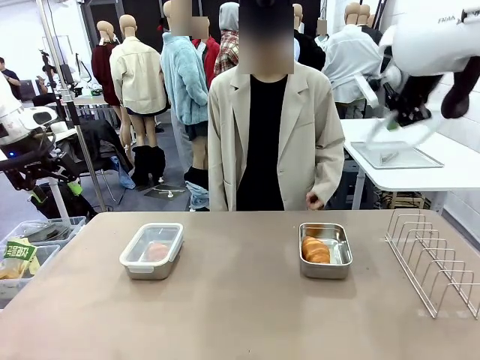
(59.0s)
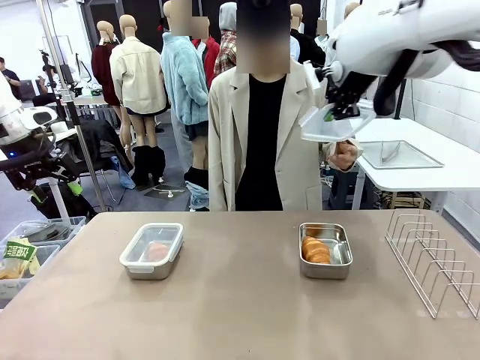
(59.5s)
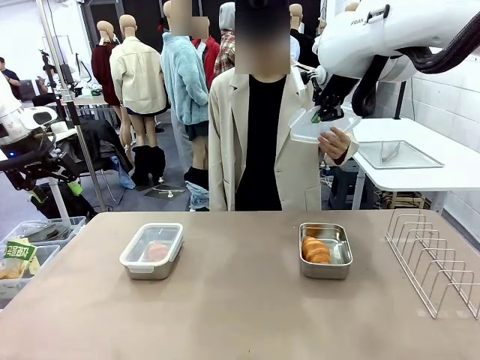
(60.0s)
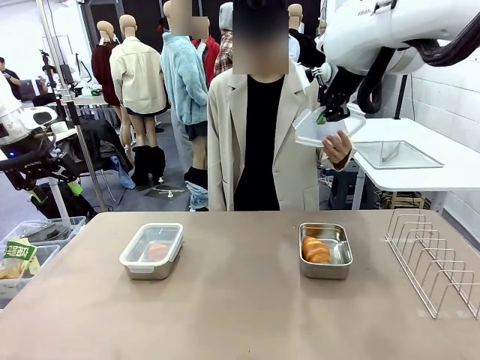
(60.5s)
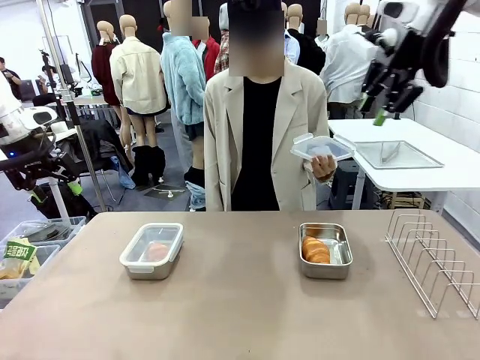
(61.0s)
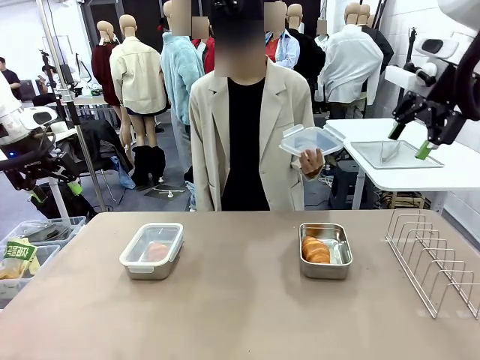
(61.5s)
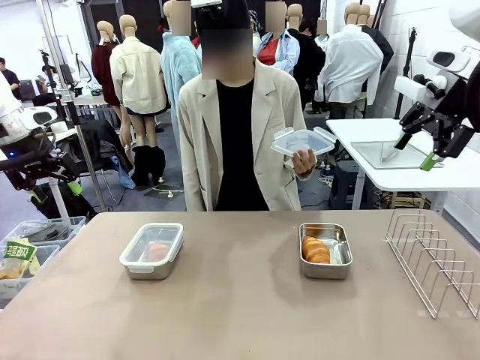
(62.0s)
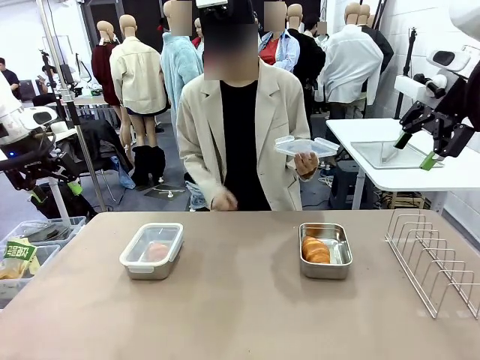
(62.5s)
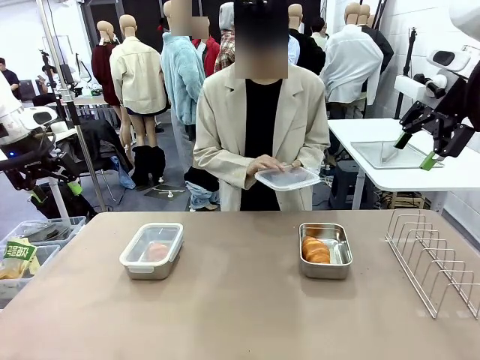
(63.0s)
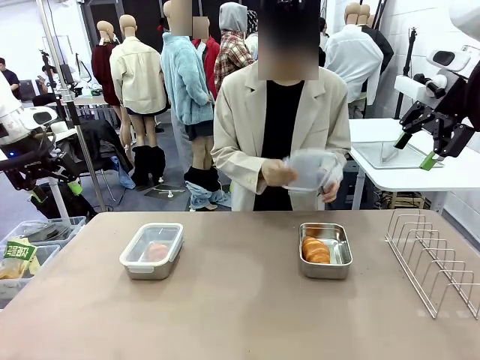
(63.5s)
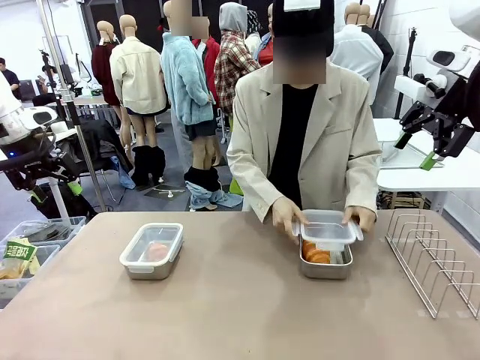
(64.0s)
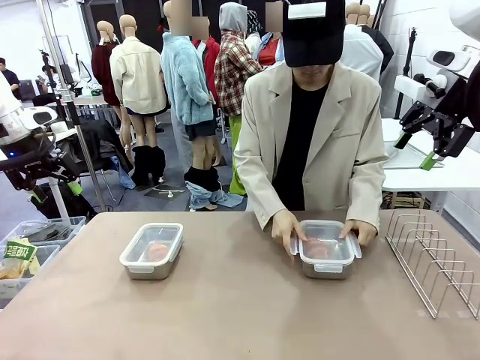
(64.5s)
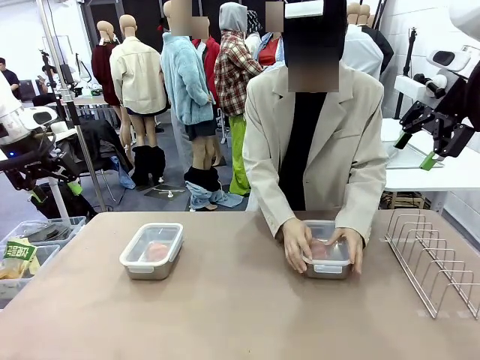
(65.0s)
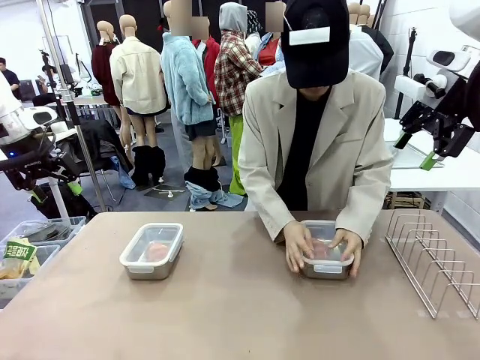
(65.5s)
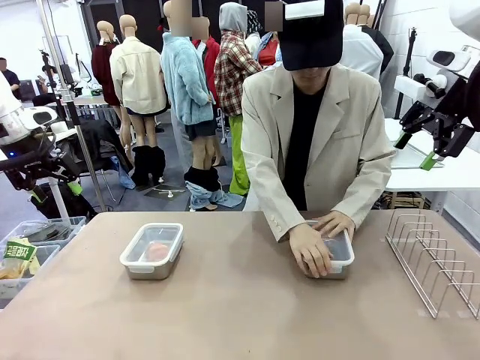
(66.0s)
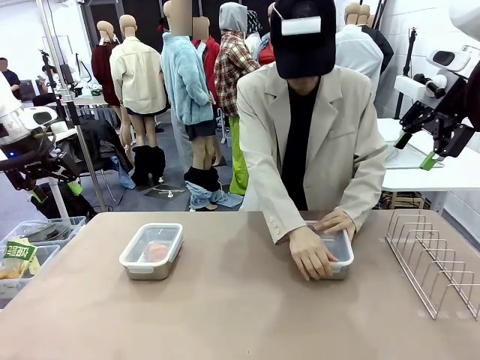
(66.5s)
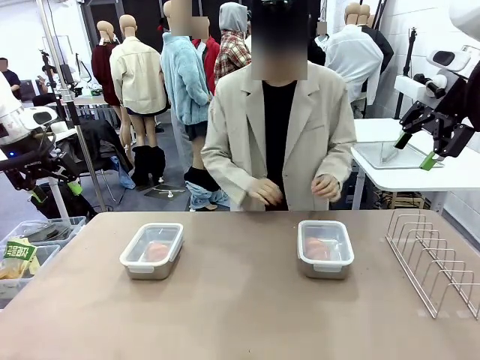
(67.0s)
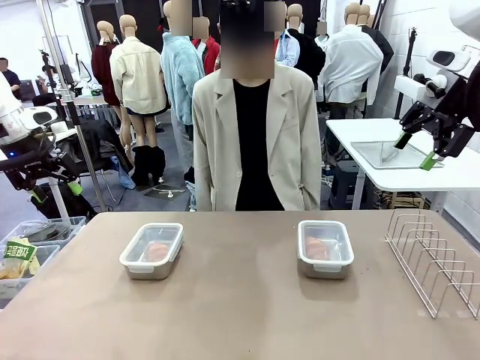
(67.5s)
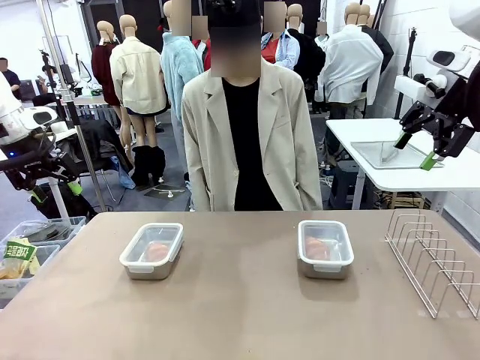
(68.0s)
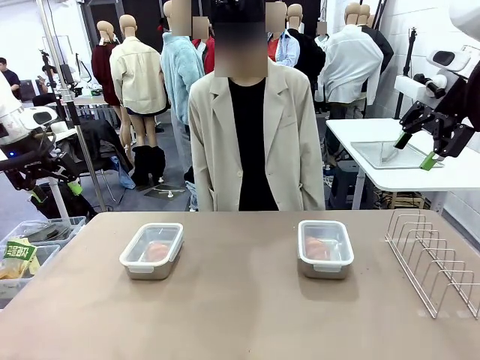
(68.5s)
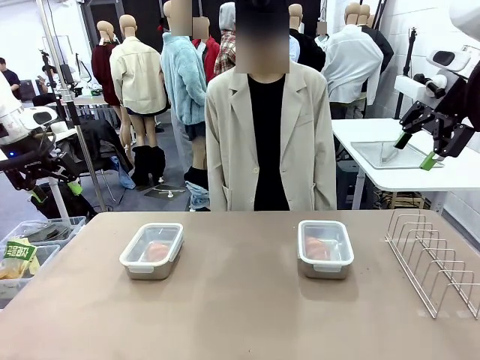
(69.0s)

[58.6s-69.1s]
Task: Place the bread in airtight containers.
Robot: Release when the human grabs the Airtight Container lid.
Person: Grip Airtight Container lid that robot is handing. Close Airtight Container with a handed Airtight Container lid.

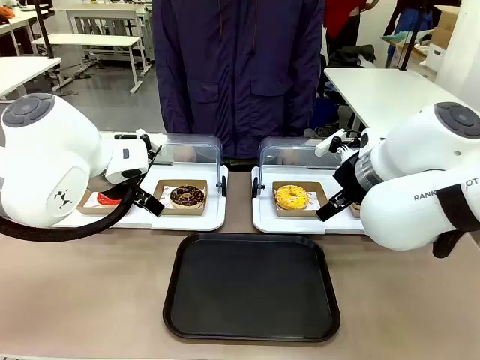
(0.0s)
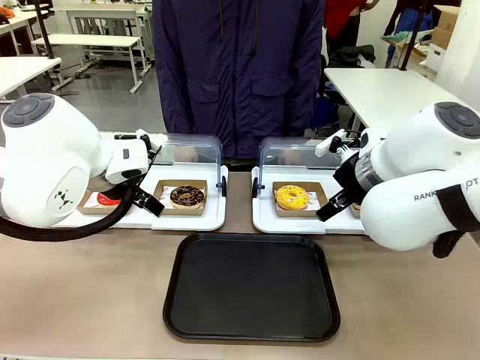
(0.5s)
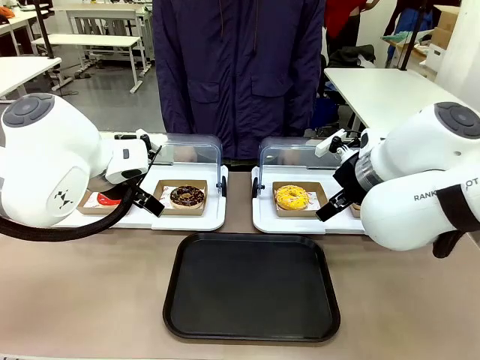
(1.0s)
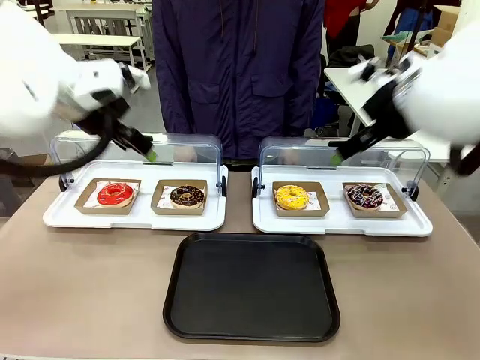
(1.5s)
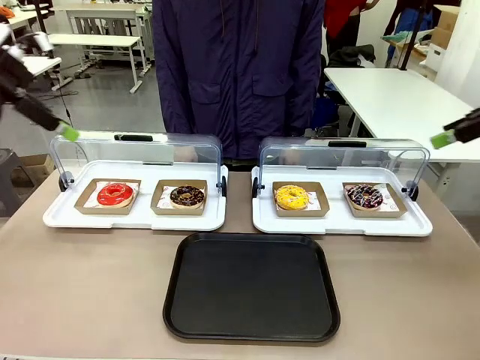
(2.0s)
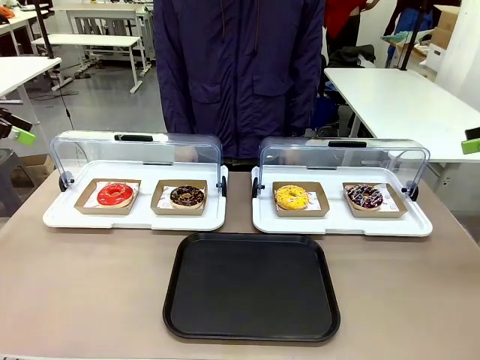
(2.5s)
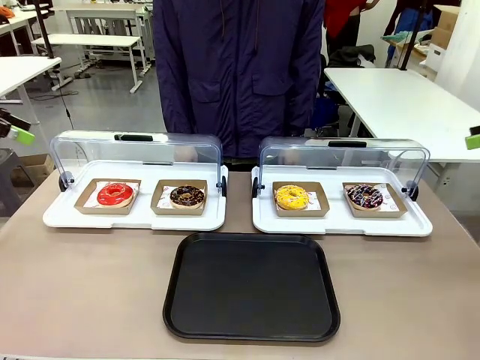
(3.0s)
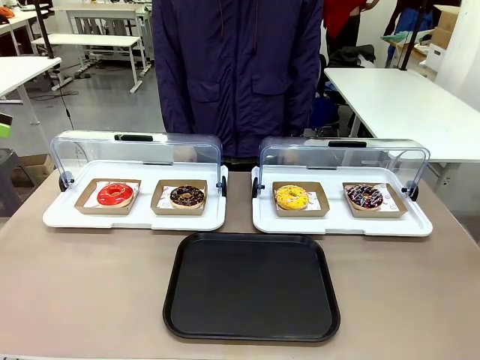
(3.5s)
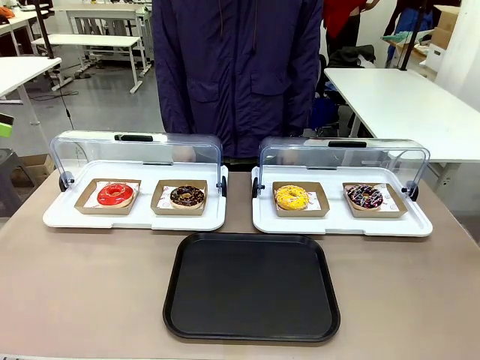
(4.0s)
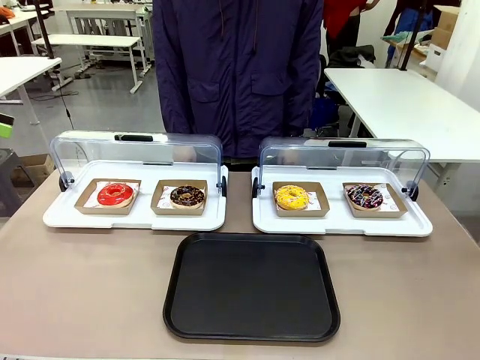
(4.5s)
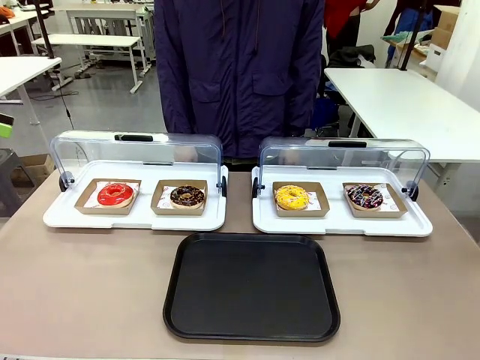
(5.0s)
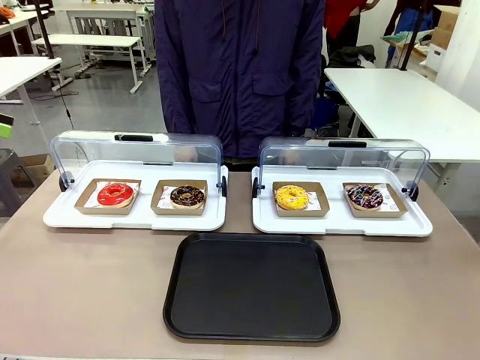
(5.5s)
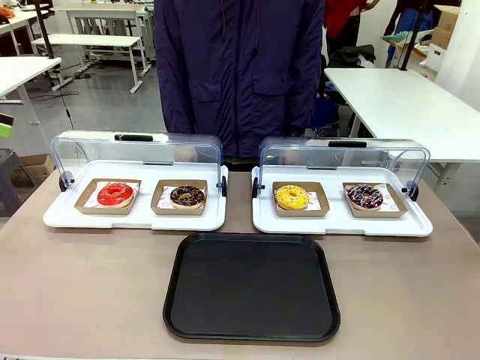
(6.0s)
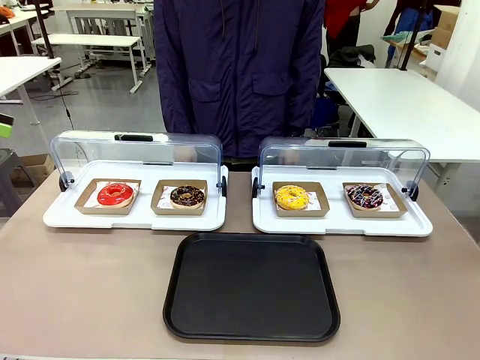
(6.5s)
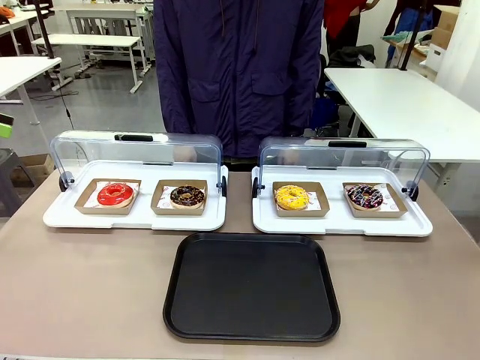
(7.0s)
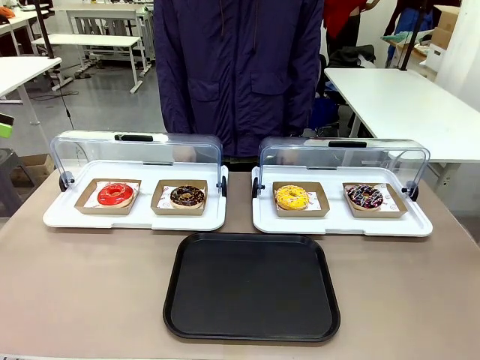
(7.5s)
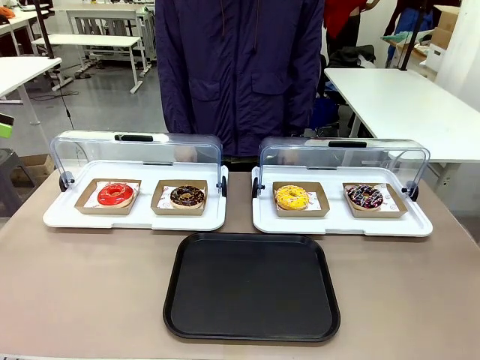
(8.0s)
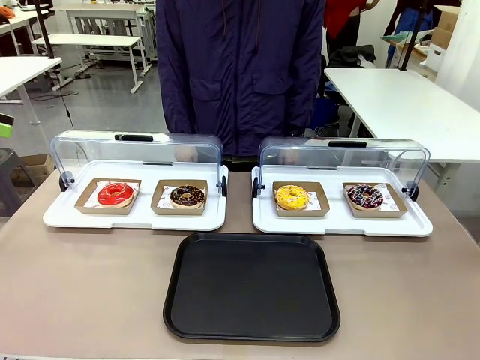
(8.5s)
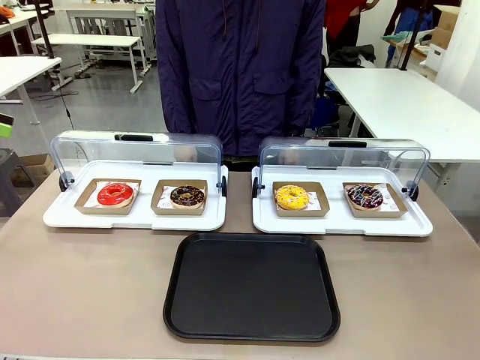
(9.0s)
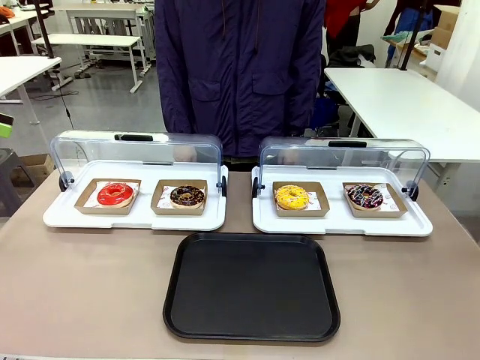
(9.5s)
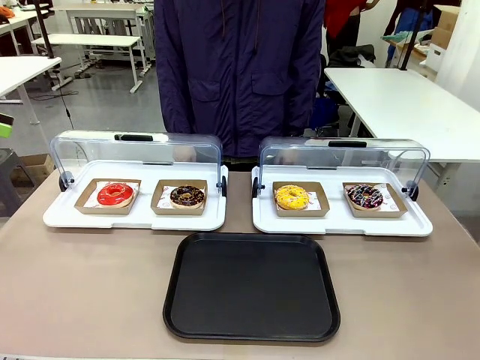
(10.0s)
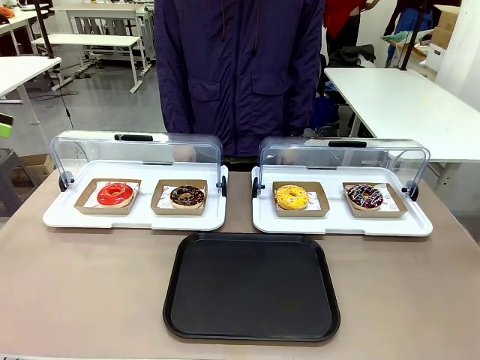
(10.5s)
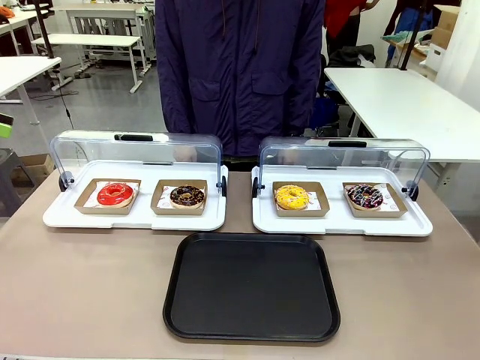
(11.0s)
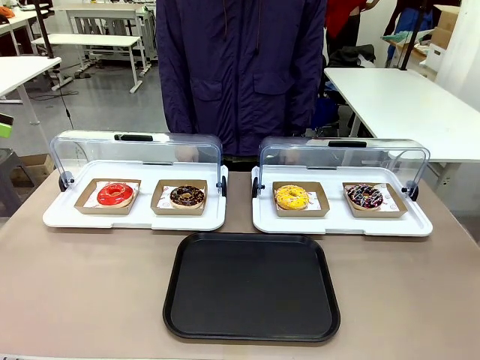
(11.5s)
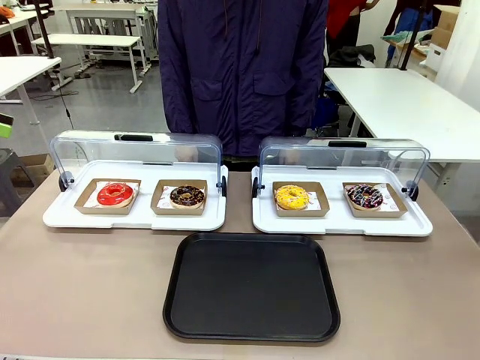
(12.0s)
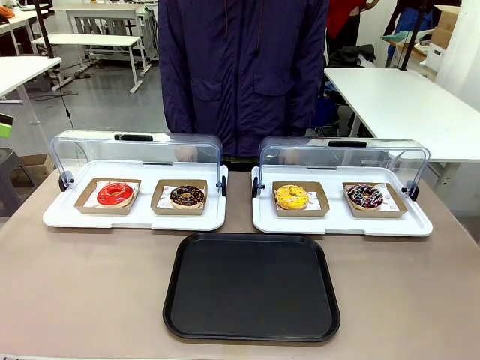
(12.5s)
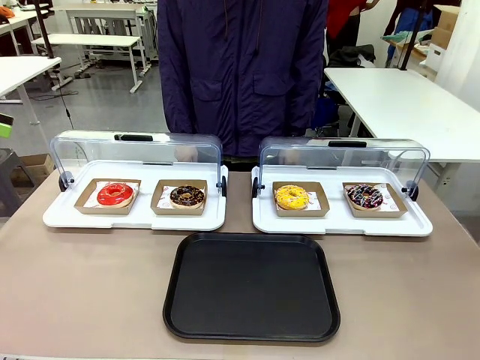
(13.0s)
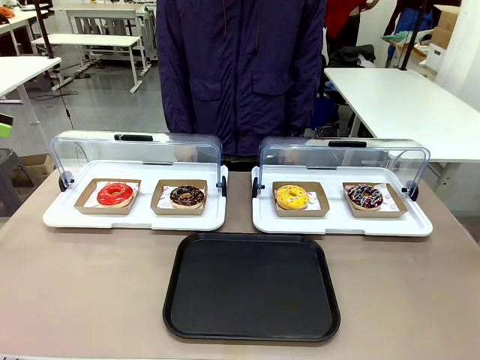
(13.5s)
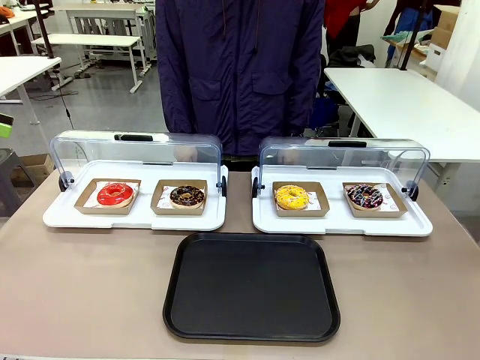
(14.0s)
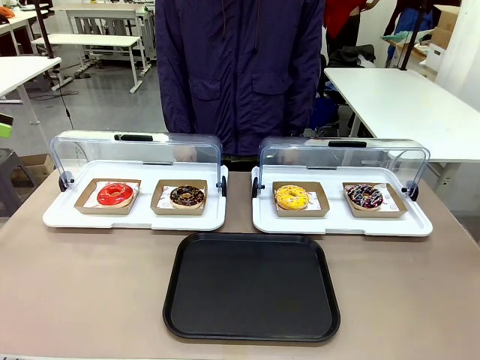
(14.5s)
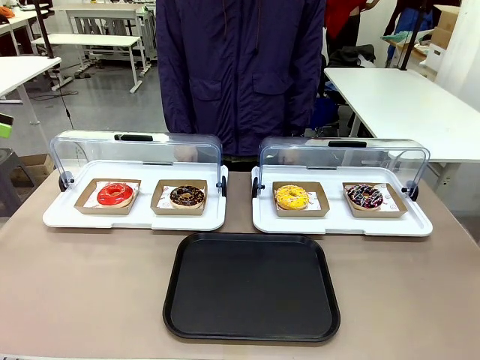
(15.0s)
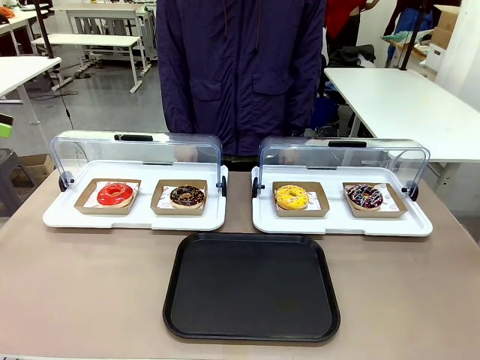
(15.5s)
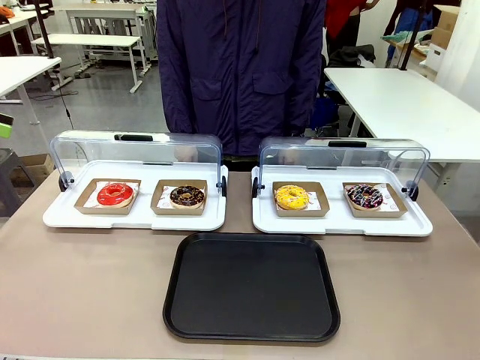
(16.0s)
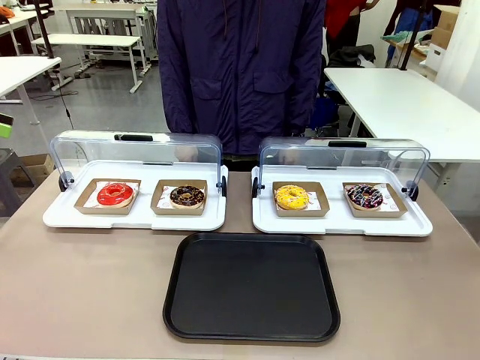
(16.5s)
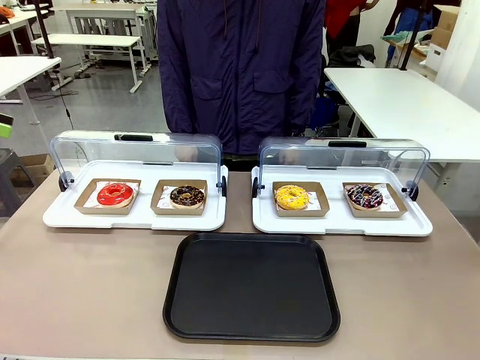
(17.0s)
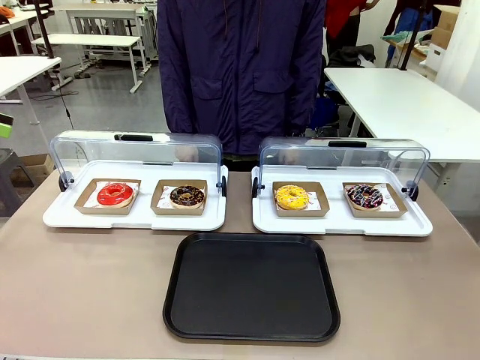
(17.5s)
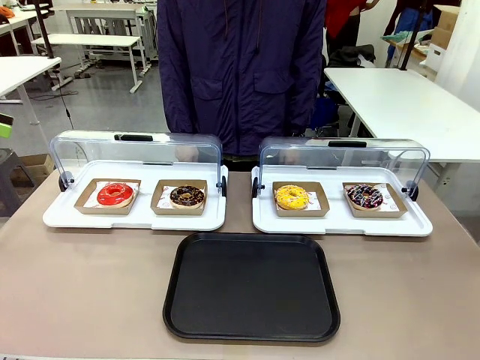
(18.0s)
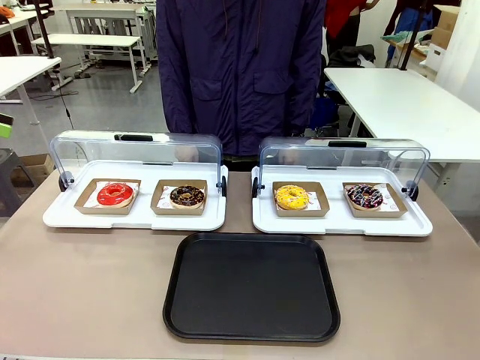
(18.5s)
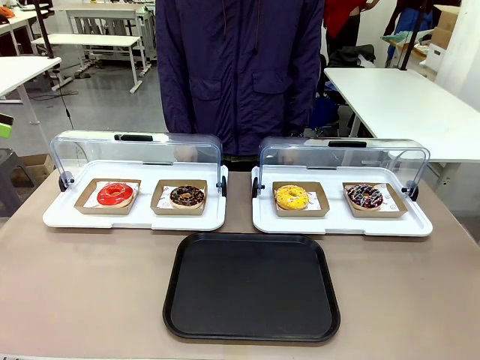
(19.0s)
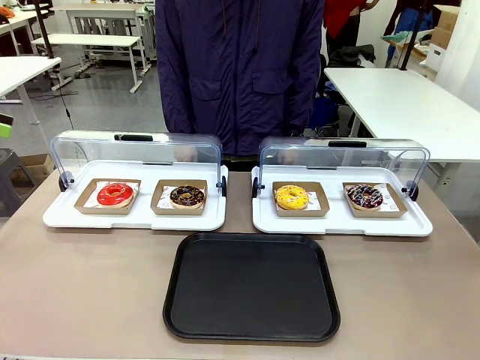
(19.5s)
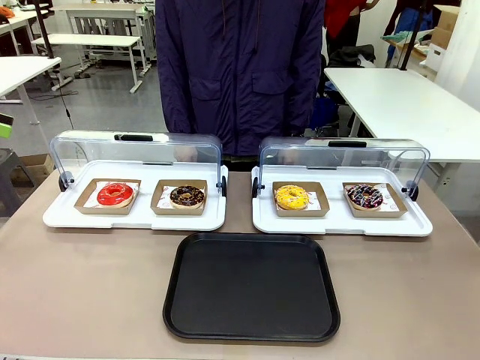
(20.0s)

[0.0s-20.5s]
Task: Move the first donut from the left to the tray.
Robot: Pick up the Paper togo box containing the Donut indicated by the person and place it on the Handle tray.
